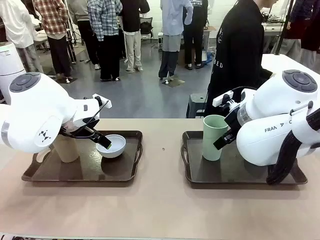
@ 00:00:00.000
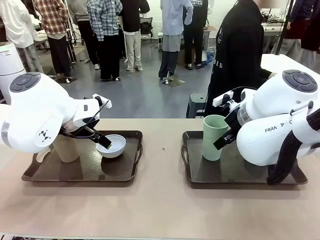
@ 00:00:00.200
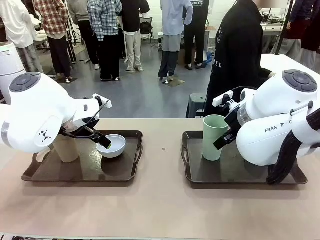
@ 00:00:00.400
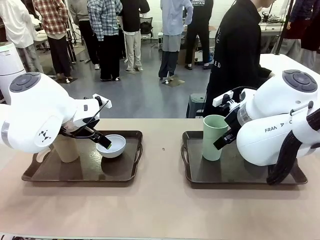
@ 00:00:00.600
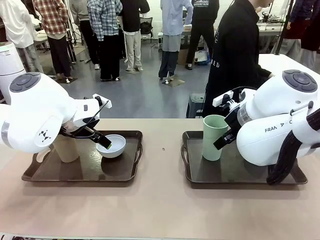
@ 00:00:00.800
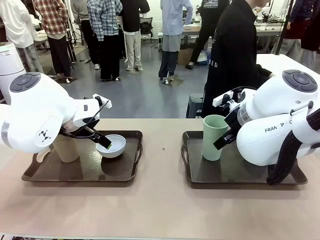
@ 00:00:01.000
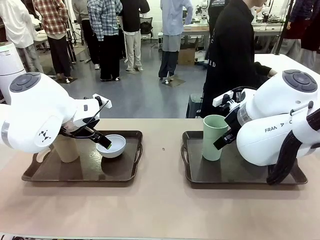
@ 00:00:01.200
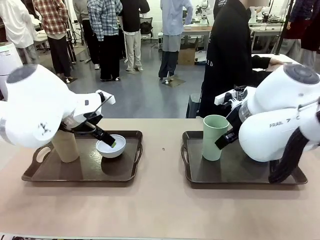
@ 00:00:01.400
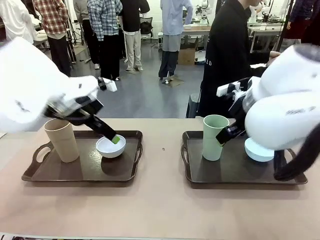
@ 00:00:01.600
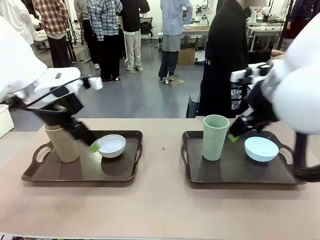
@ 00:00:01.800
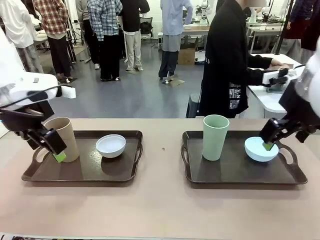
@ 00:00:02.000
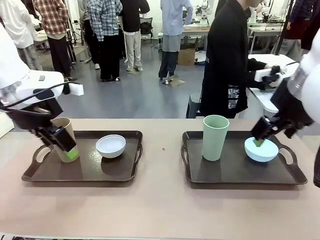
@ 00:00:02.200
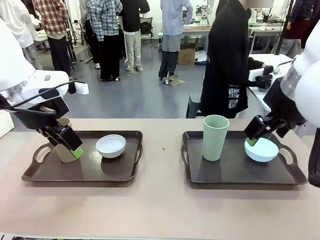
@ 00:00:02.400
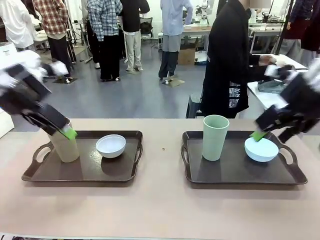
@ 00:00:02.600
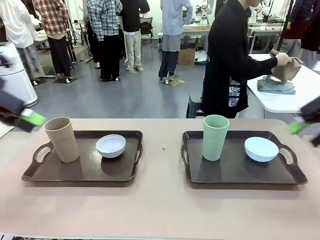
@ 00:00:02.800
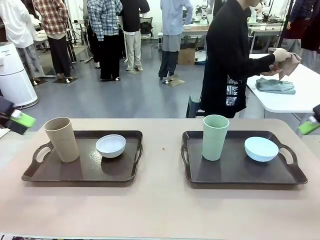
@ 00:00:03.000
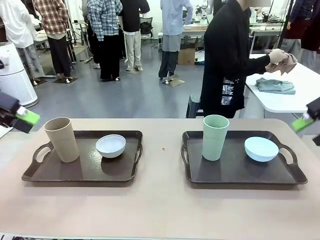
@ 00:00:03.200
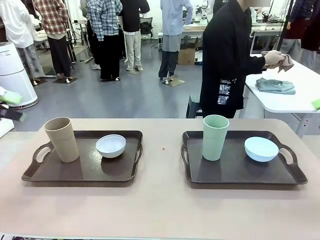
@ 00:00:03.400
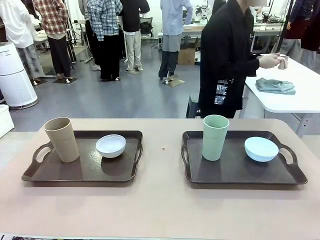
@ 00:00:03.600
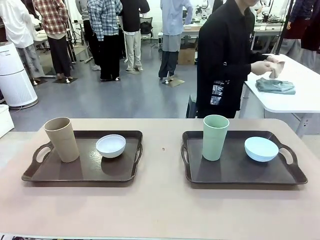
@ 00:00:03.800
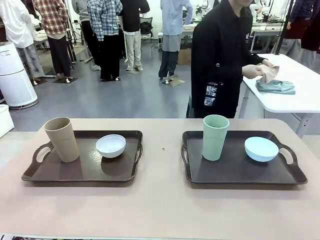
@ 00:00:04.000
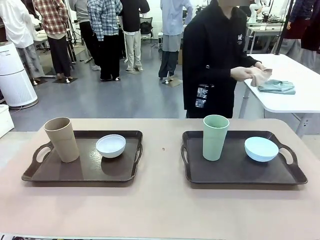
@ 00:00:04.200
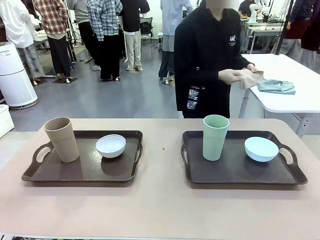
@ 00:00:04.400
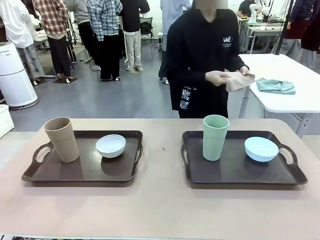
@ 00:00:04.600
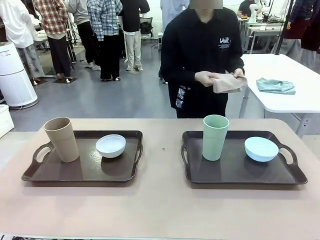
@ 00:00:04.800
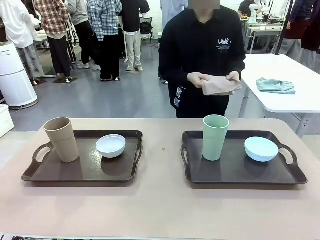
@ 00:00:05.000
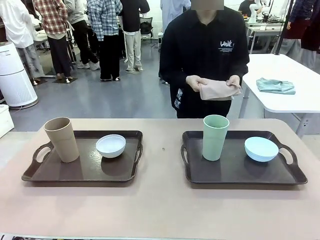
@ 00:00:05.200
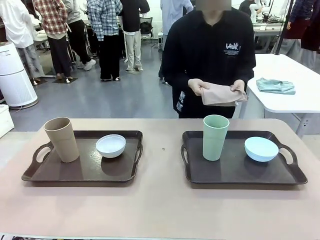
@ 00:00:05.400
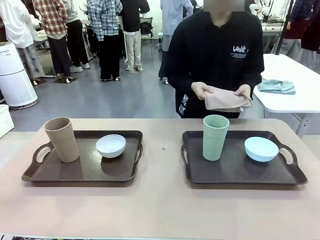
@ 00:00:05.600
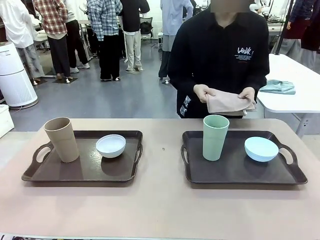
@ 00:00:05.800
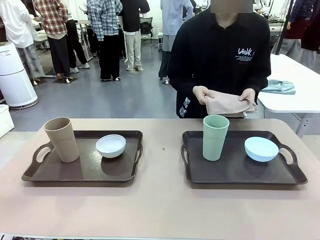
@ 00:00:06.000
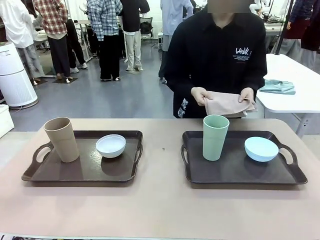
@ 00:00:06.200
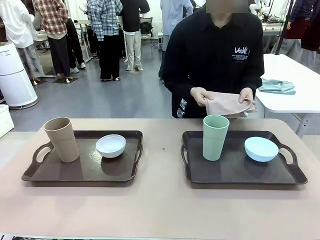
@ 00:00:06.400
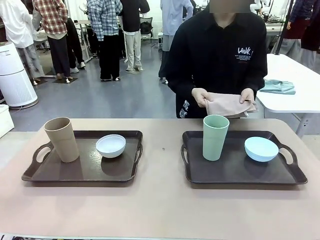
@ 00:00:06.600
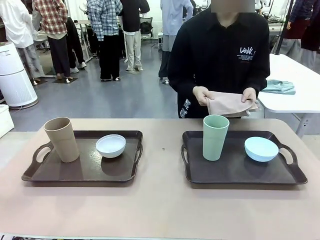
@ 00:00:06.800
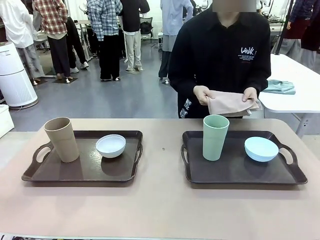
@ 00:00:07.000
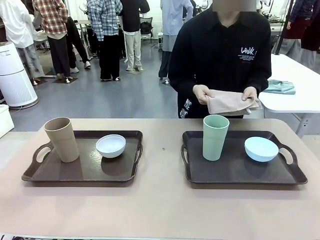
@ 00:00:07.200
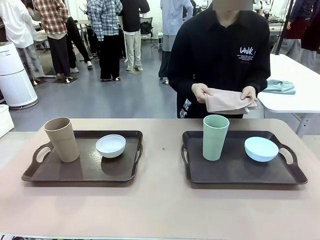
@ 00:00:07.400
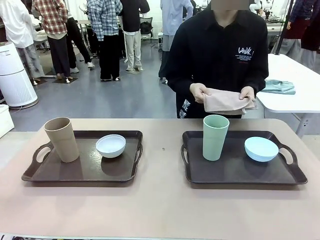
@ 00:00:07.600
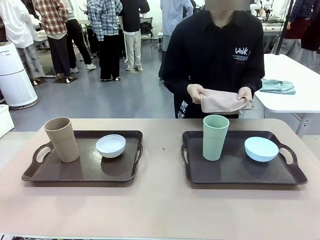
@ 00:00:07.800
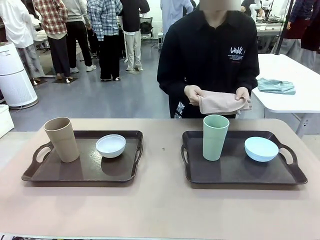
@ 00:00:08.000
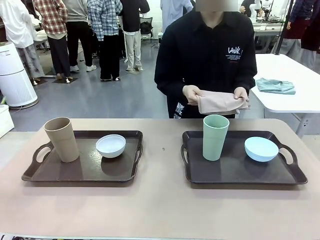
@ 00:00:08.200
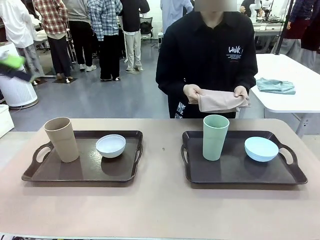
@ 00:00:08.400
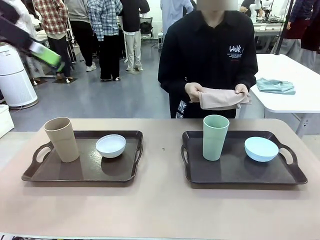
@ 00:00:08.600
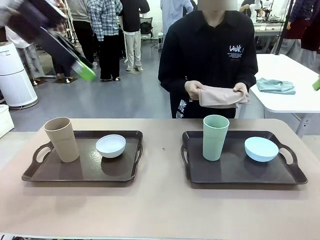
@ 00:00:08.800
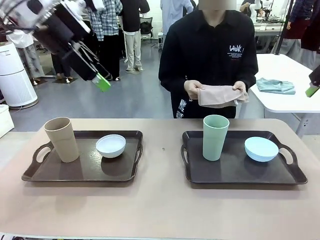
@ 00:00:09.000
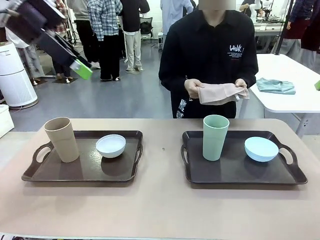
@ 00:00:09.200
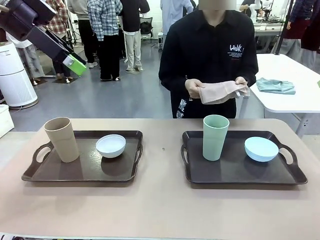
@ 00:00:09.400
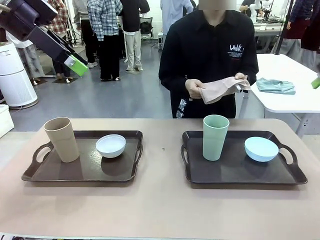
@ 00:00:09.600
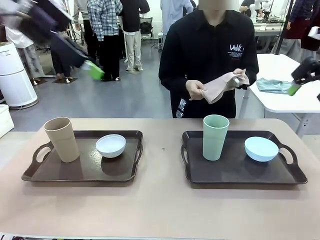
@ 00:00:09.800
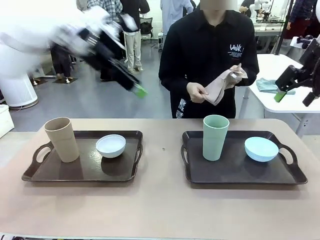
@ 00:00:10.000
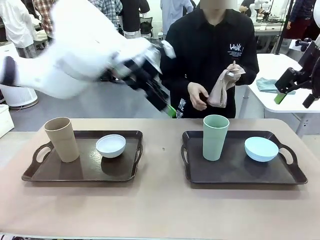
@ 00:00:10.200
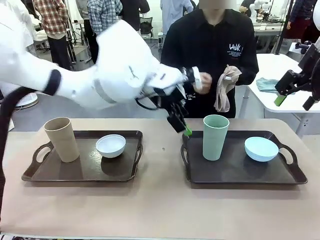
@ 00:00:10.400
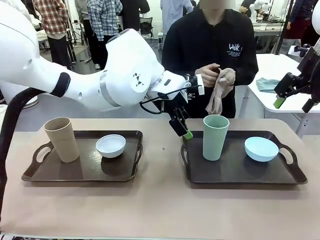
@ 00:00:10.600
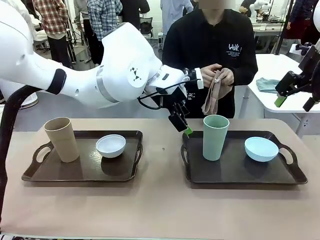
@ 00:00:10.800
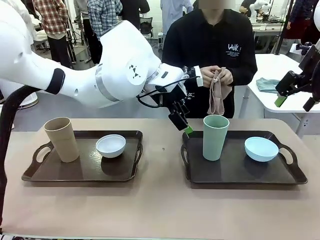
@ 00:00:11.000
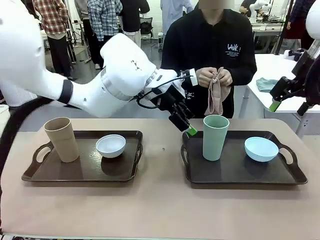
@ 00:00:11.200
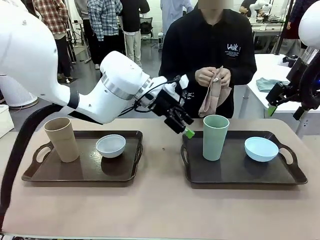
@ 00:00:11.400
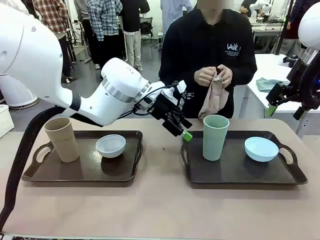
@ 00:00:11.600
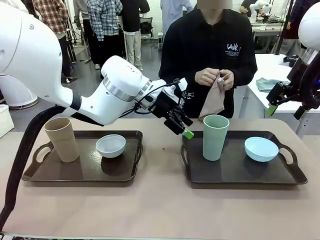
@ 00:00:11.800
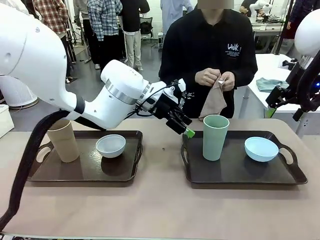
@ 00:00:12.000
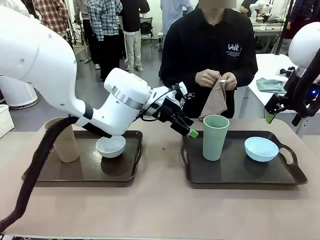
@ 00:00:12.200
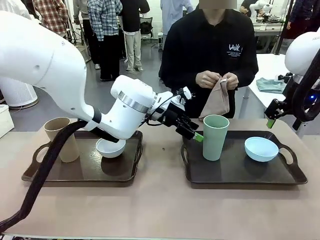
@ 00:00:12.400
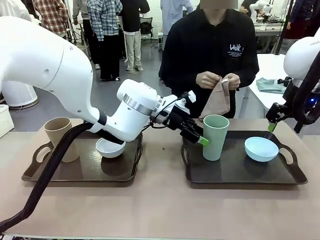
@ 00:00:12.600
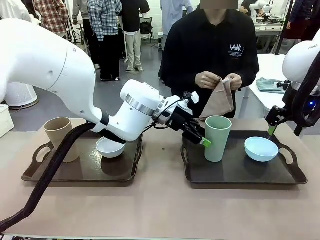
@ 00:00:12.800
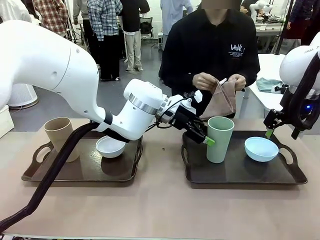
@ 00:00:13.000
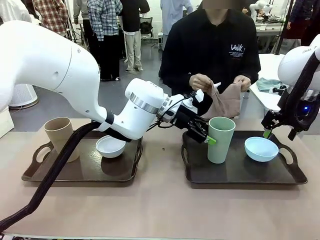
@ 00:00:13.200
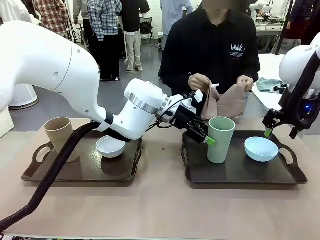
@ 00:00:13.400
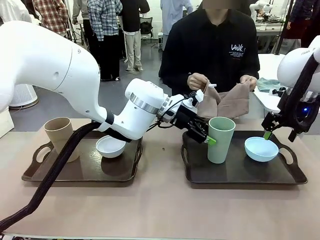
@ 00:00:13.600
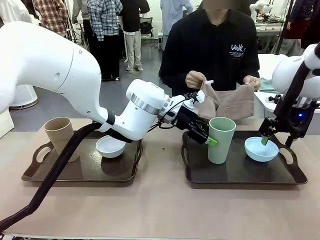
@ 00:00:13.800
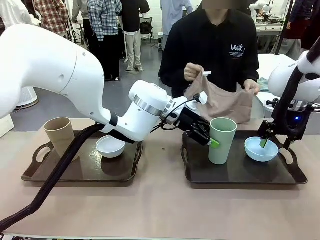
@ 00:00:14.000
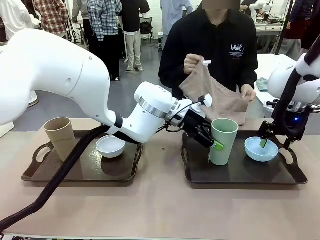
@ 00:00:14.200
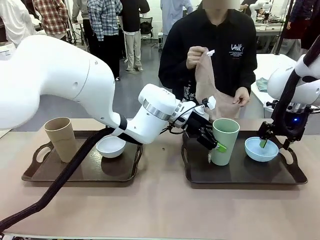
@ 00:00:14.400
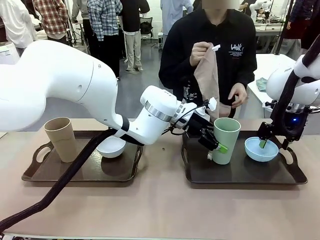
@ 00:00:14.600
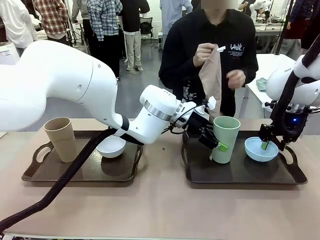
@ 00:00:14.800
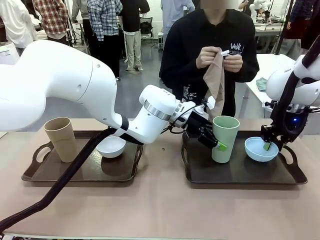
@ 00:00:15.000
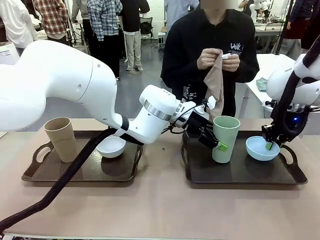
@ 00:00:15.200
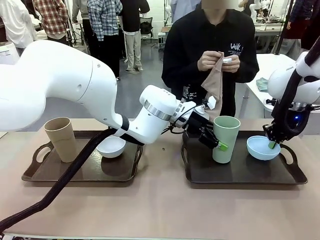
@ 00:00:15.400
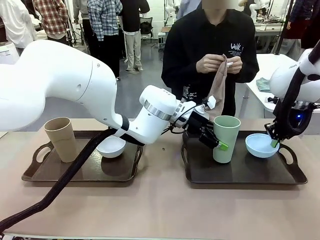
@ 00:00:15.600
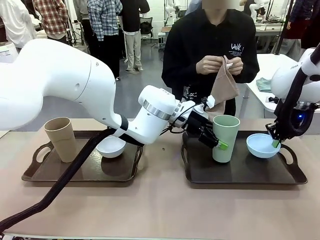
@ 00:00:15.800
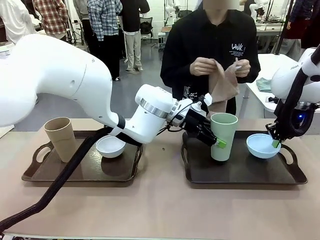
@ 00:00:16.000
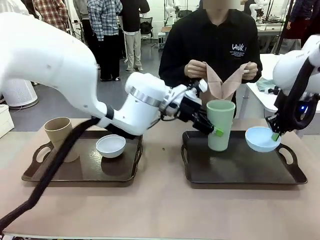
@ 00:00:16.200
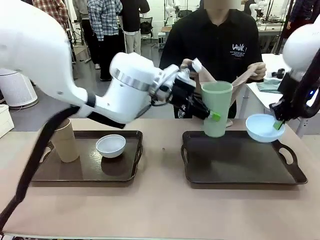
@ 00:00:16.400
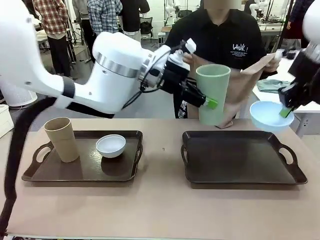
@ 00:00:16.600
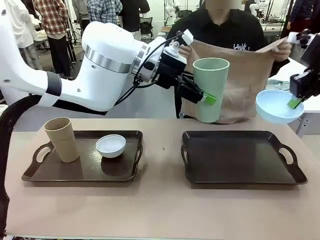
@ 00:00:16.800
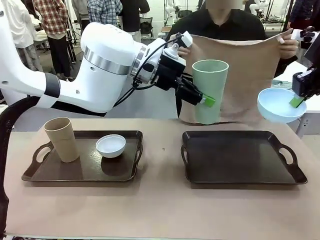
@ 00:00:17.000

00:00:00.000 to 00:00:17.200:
Robot: Pick up the Picnic Bowl and Reusable plastic cup from the Handle tray in front of the human's position and hold them in the air.
Person: The human picks up the top napkin from the stack on the human table and walks to the robot table to stand in front of one of the two trays. When the robot lifts the bowl and the cup, the human unfolds the napkin and lays the napkin flat on the tray.
